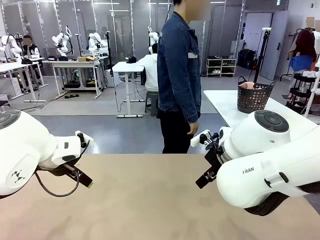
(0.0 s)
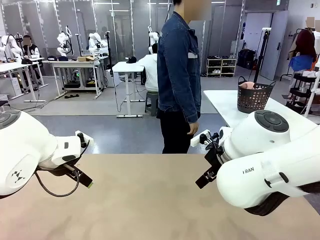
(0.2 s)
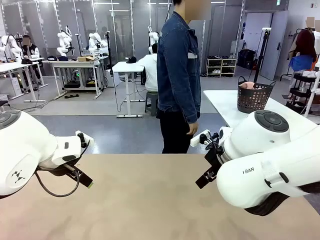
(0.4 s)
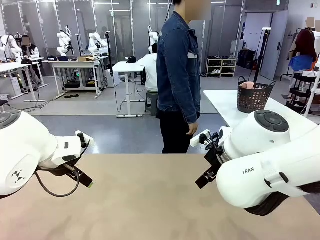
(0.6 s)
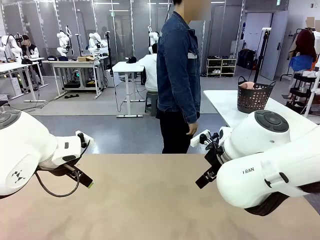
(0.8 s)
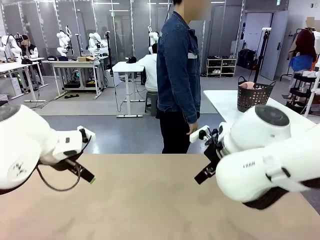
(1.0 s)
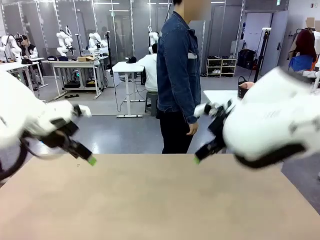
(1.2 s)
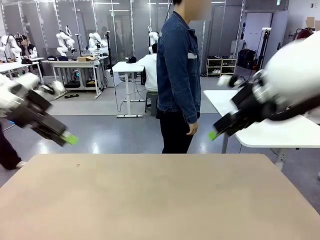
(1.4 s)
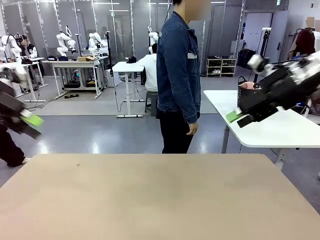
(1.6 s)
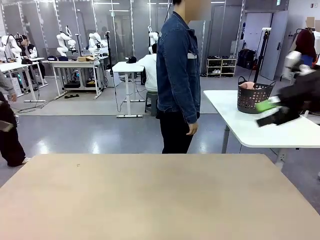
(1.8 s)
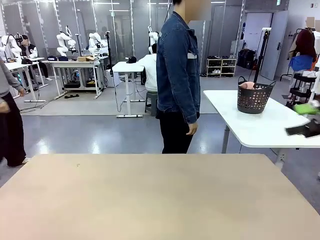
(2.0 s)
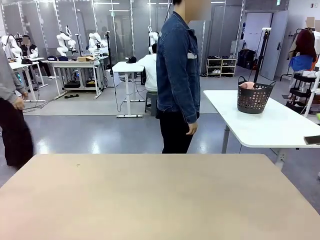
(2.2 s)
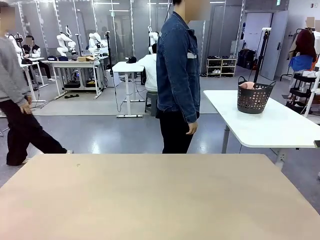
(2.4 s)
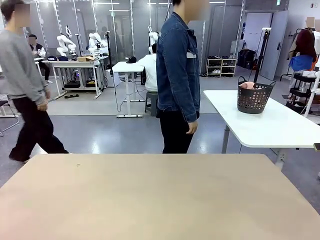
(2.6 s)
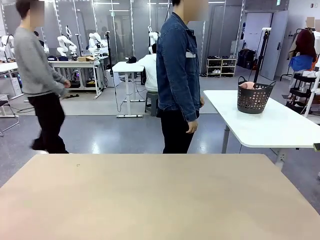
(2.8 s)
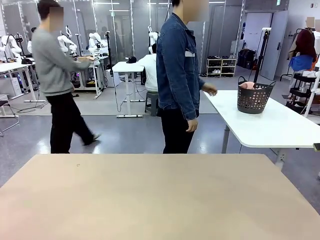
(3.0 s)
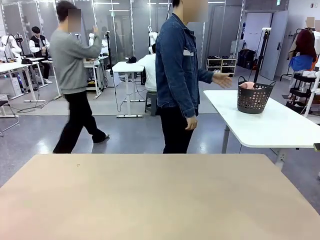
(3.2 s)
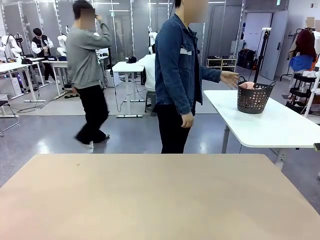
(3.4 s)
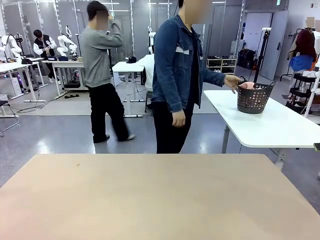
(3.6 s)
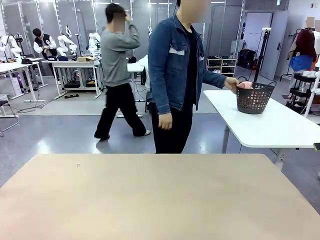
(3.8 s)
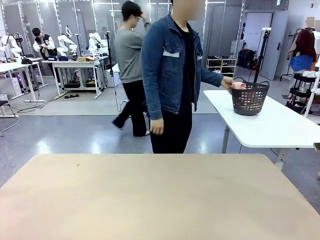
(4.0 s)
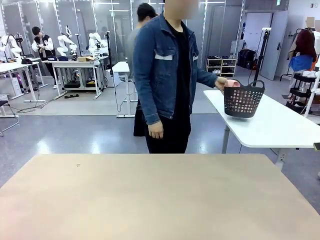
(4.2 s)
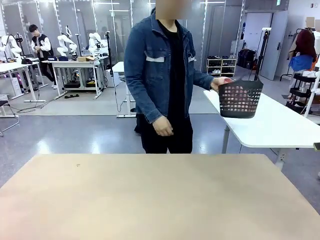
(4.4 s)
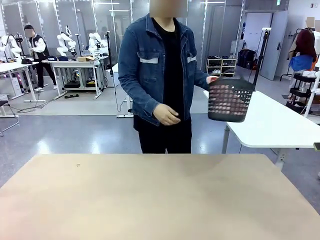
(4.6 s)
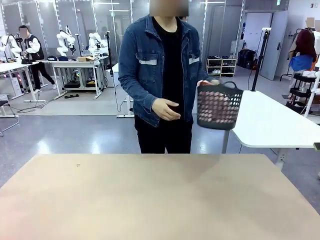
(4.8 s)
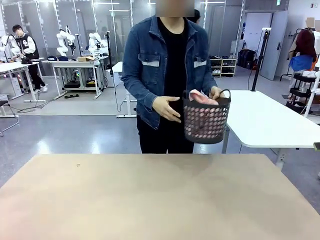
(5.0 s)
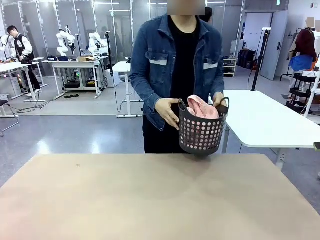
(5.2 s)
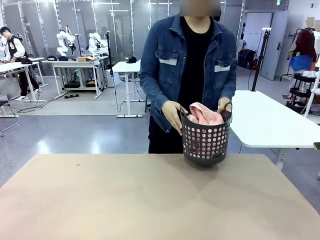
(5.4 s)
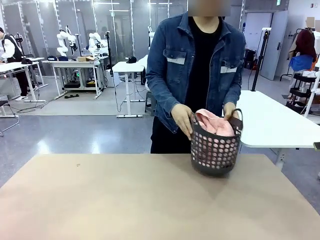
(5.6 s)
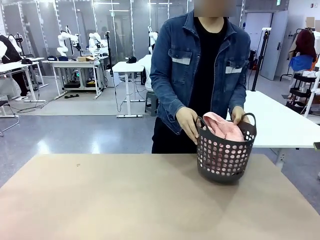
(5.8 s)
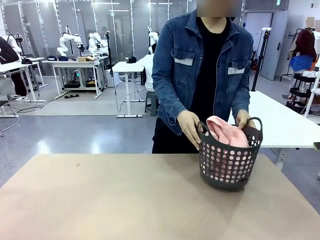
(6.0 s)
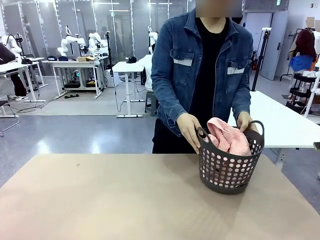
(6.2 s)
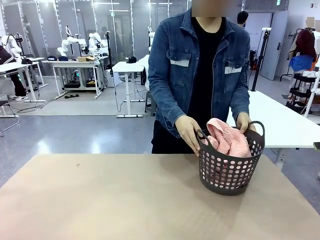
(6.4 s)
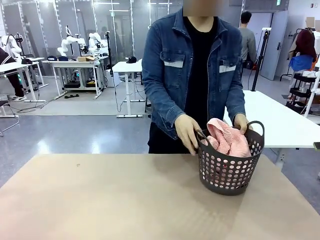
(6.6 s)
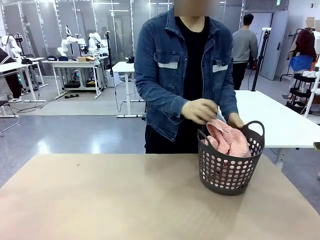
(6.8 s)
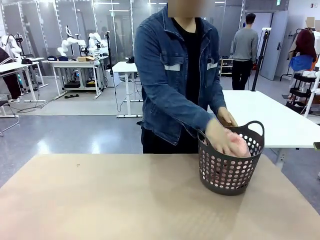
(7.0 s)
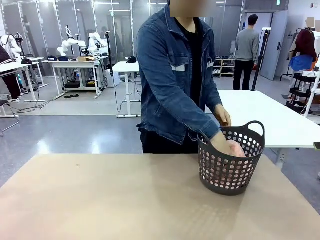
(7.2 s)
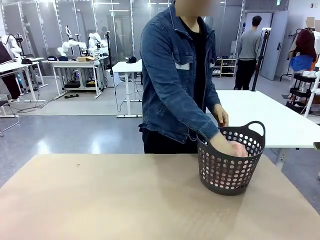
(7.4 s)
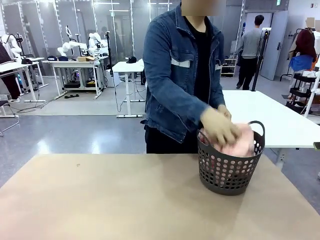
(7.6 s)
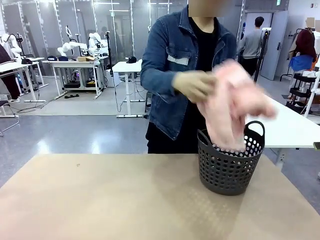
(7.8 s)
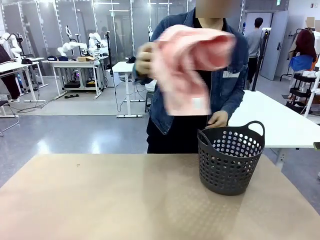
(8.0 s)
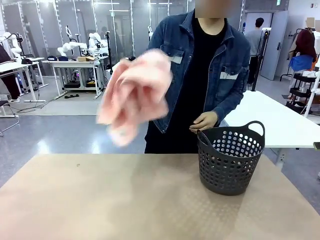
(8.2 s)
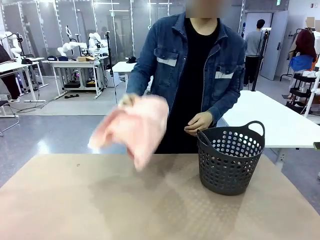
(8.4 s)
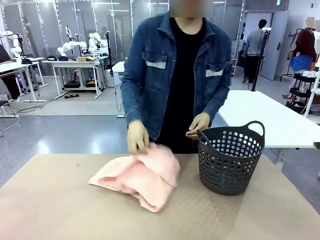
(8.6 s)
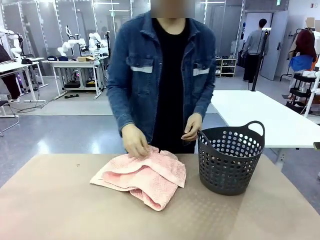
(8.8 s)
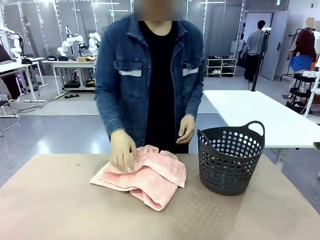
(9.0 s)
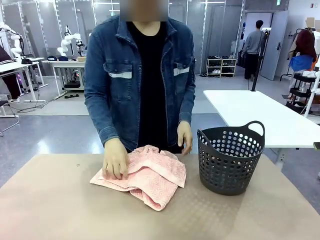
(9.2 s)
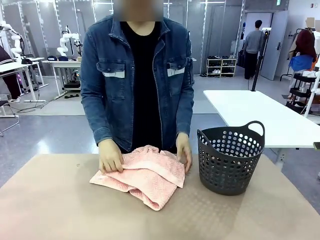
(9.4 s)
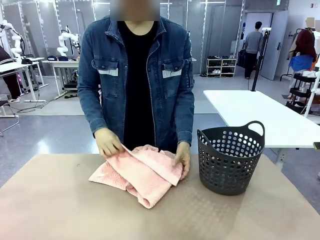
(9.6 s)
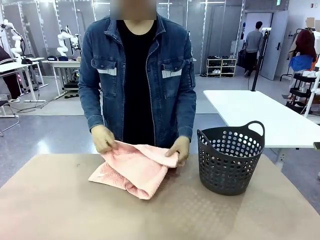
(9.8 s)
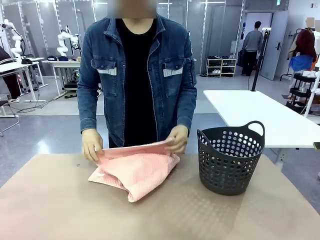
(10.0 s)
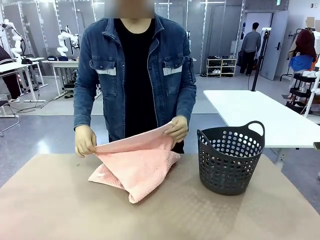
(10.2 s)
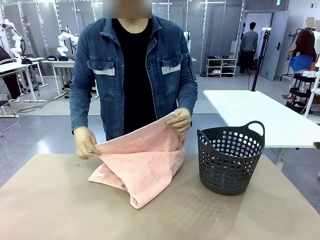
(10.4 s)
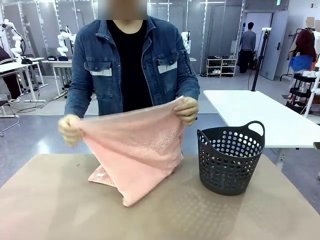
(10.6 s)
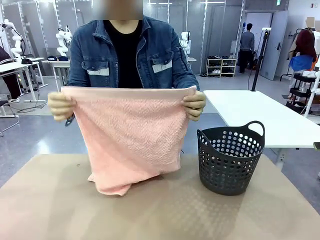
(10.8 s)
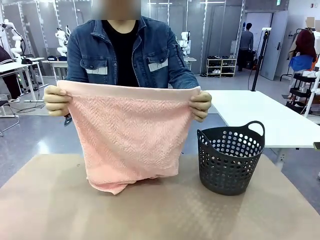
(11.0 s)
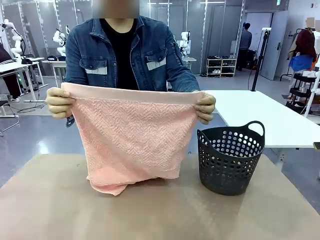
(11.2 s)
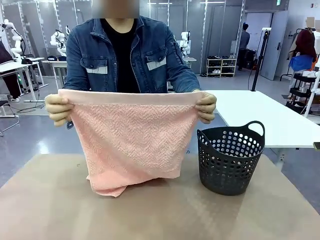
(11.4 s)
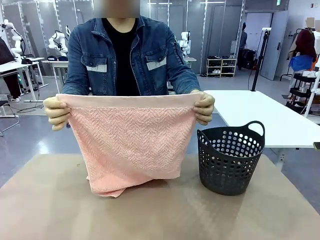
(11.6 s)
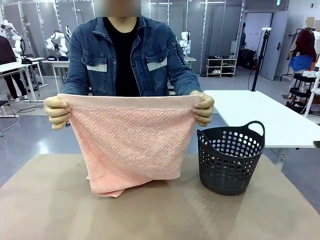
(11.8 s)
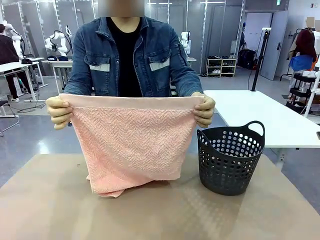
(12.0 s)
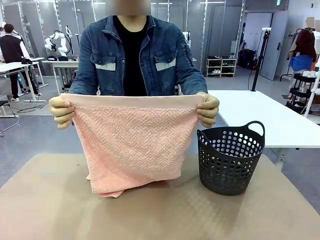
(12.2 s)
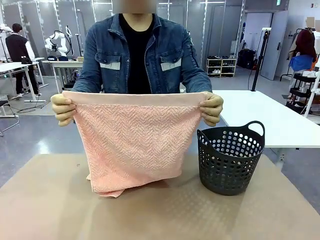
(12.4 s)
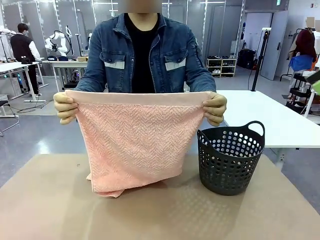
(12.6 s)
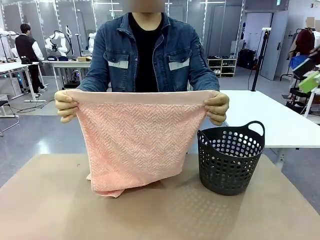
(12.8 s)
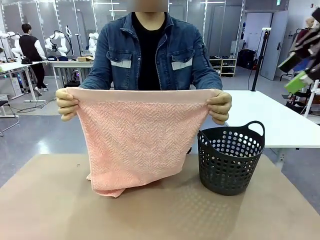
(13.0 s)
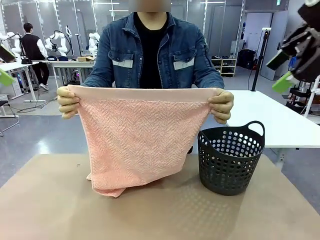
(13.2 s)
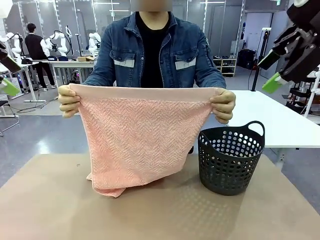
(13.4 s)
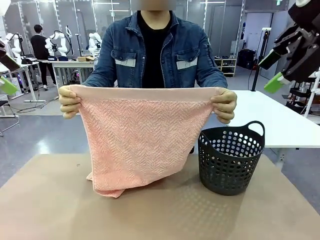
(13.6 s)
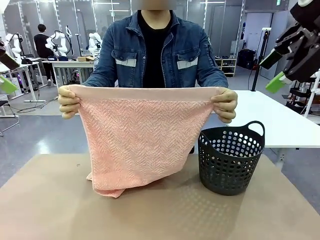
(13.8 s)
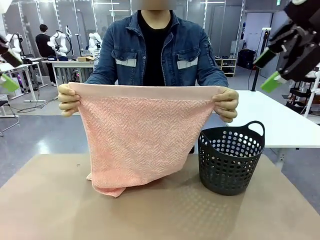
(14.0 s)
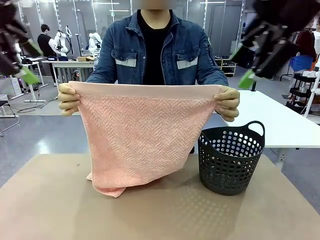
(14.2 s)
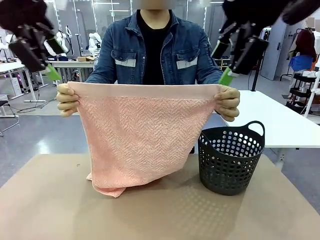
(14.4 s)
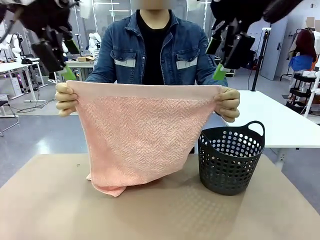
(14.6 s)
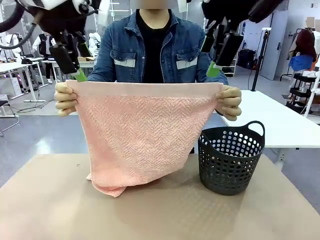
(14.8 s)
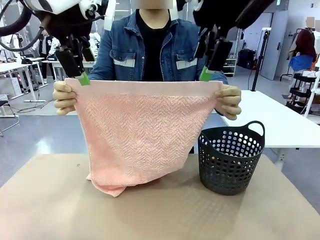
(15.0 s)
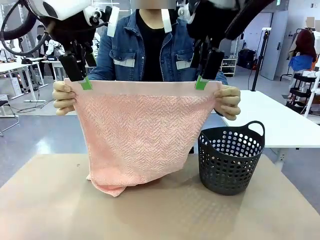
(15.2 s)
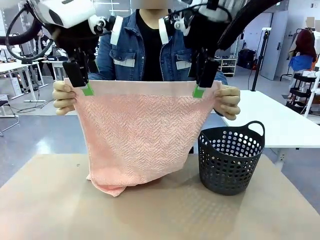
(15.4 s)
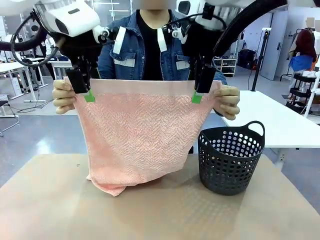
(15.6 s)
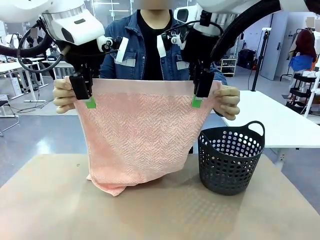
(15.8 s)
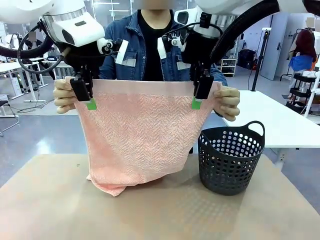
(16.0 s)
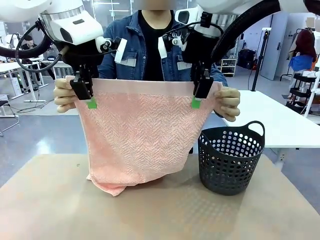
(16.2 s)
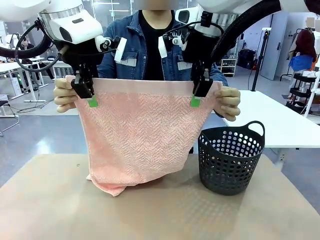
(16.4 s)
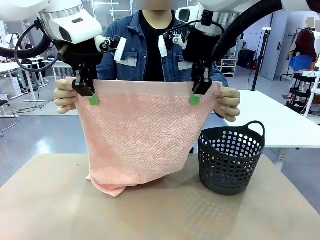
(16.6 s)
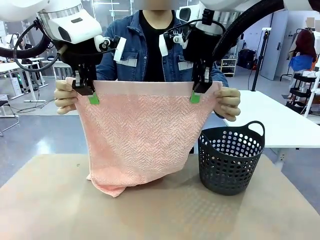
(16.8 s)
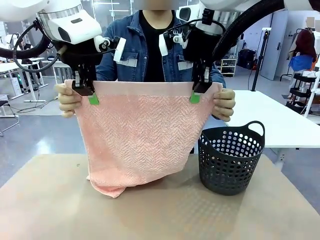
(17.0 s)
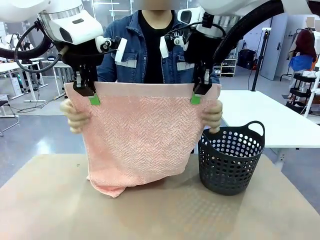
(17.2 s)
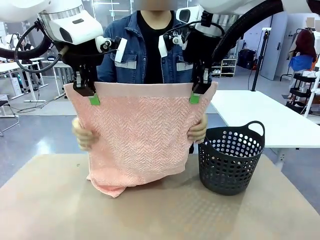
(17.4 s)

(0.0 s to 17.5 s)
Task: Fold the towel.
Robot: Grab the top end of the 100 cm Hotel Towel extended by the human.
Person: Pick up the laundry basket, place it on the left side of the robot table, then take out a towel and hand it to the robot while holding both corners of one end.
